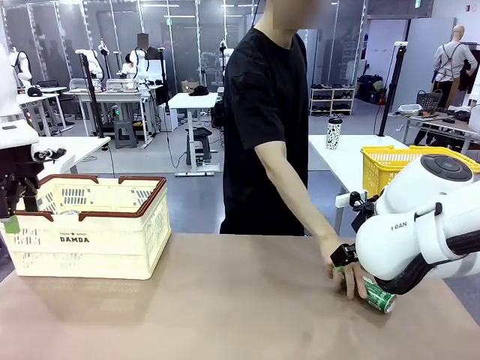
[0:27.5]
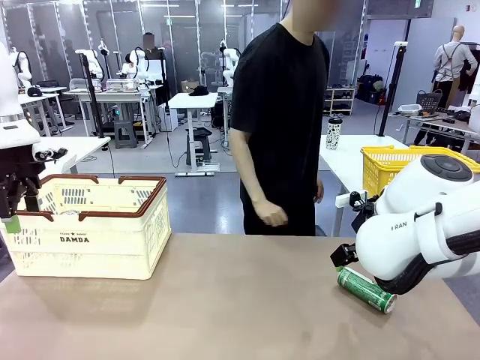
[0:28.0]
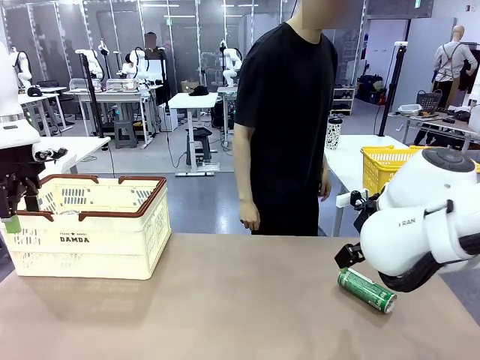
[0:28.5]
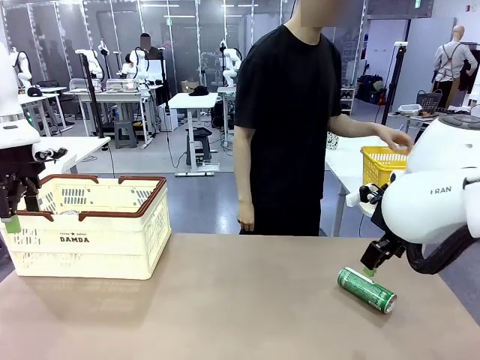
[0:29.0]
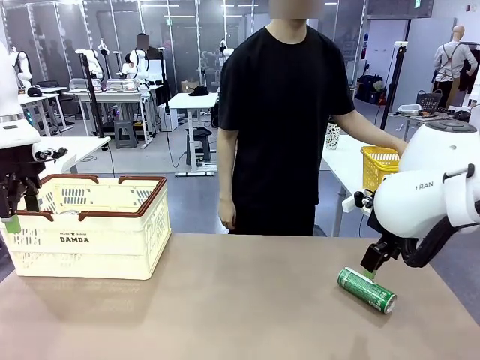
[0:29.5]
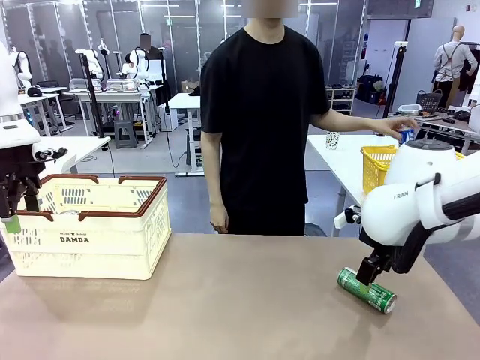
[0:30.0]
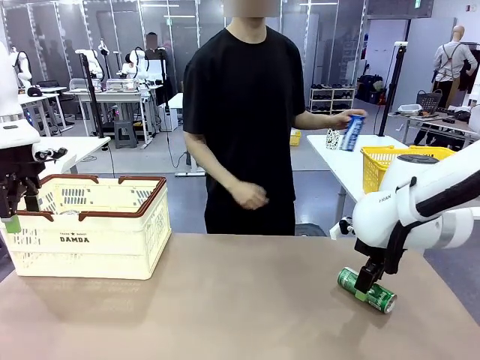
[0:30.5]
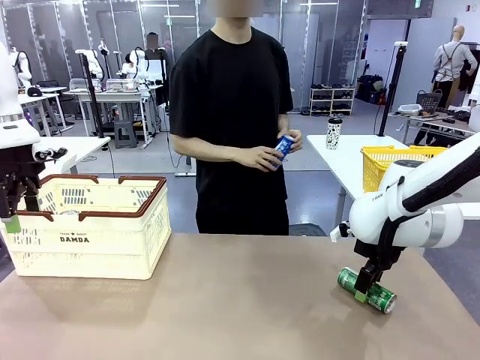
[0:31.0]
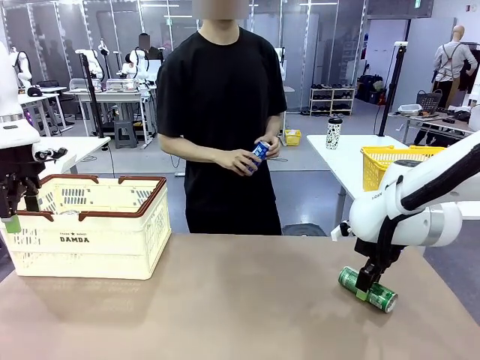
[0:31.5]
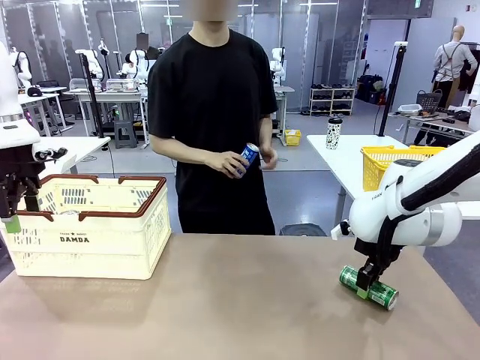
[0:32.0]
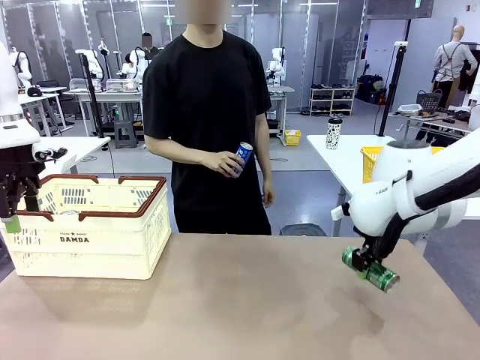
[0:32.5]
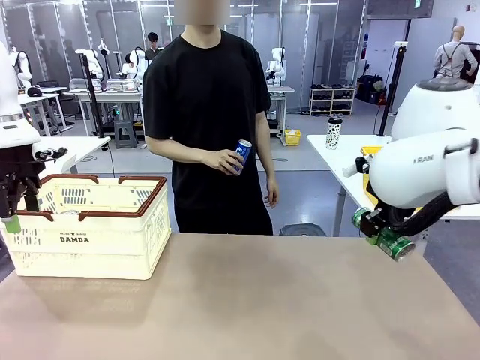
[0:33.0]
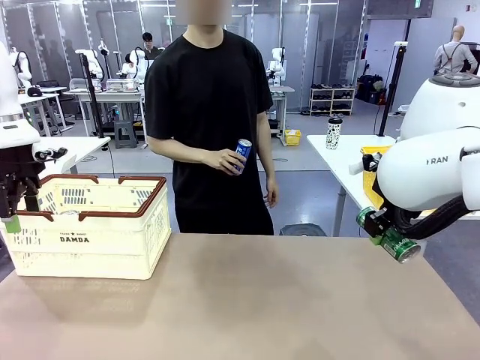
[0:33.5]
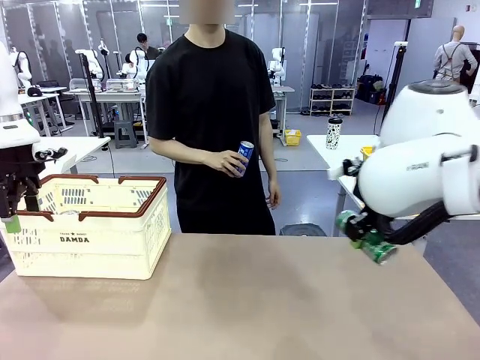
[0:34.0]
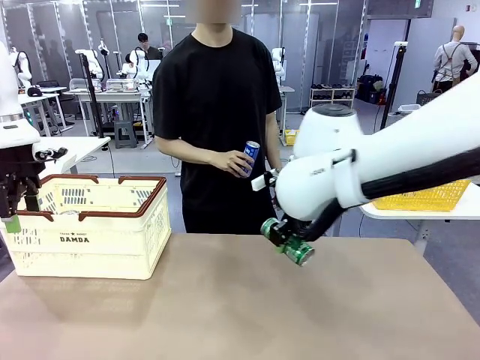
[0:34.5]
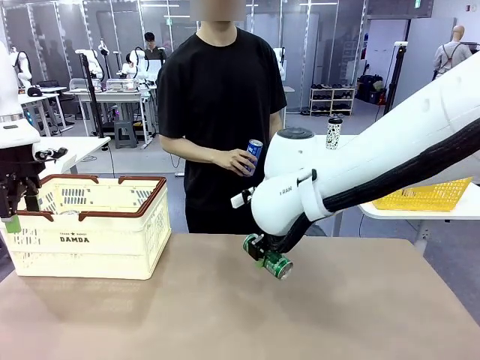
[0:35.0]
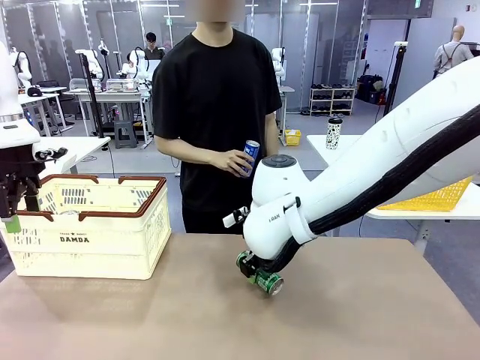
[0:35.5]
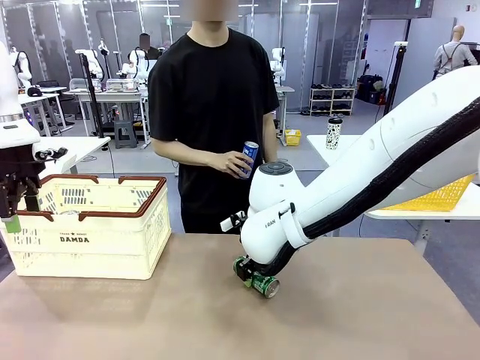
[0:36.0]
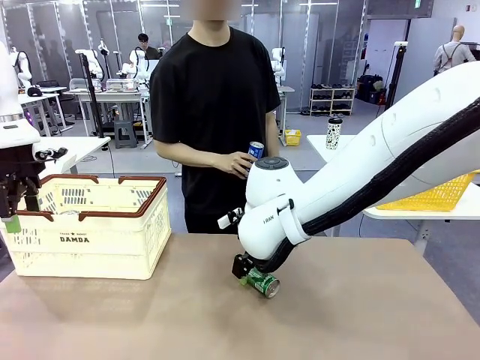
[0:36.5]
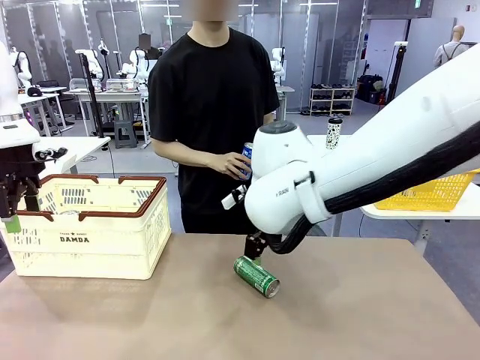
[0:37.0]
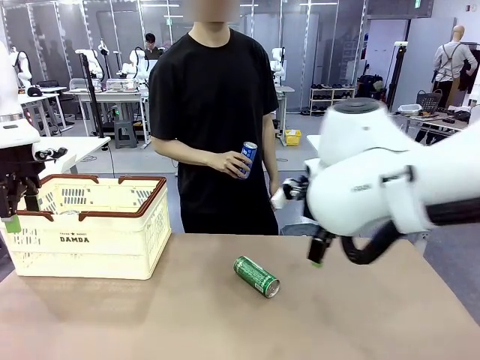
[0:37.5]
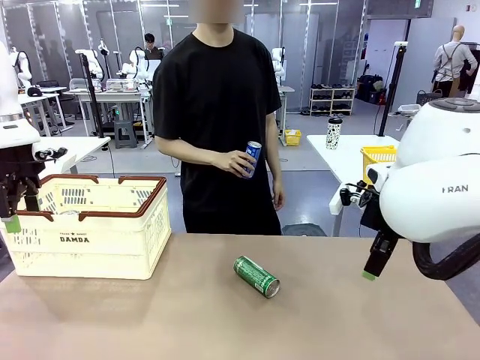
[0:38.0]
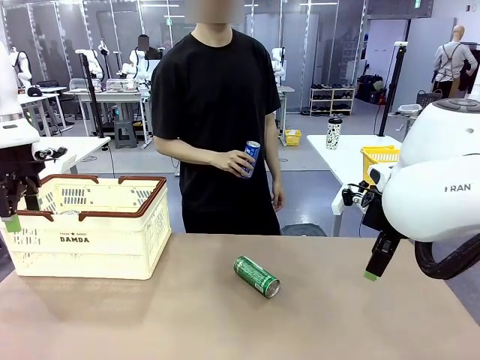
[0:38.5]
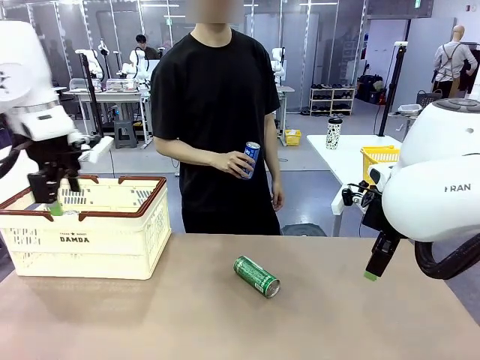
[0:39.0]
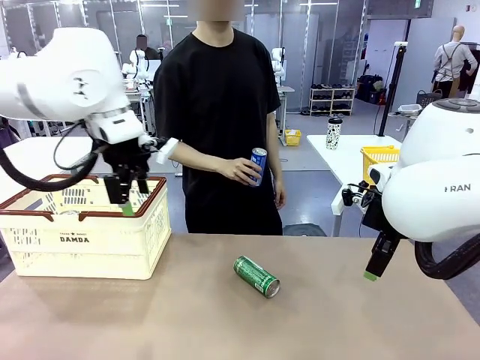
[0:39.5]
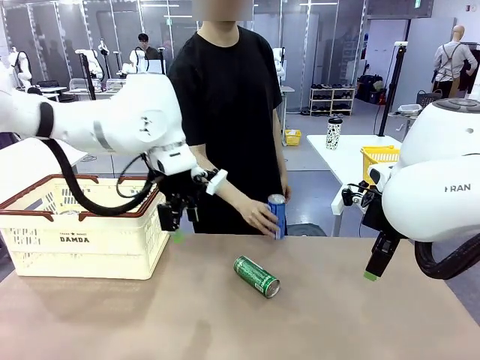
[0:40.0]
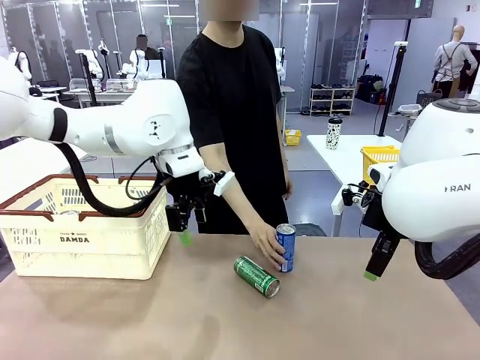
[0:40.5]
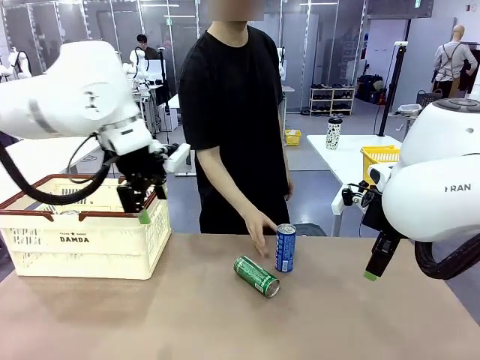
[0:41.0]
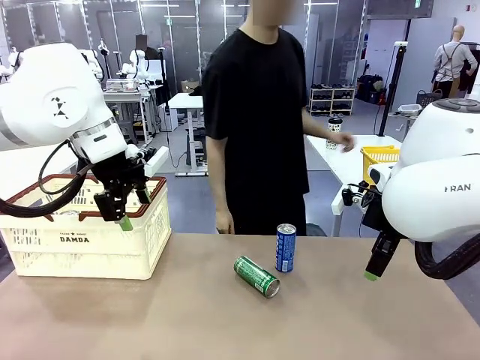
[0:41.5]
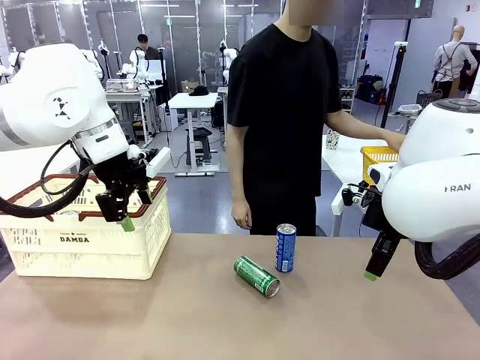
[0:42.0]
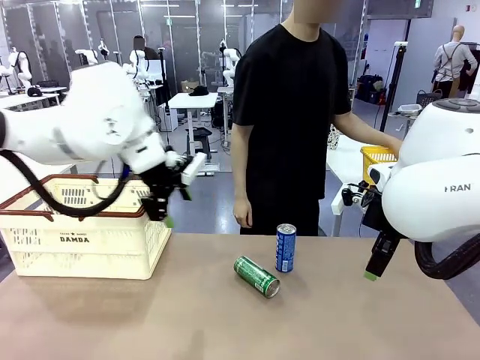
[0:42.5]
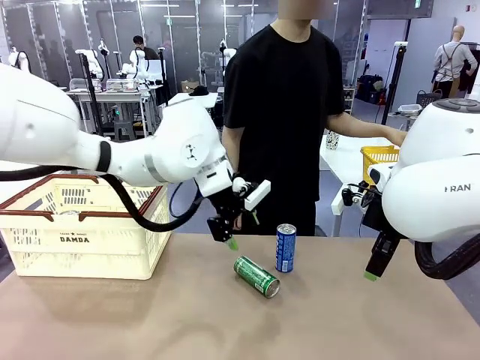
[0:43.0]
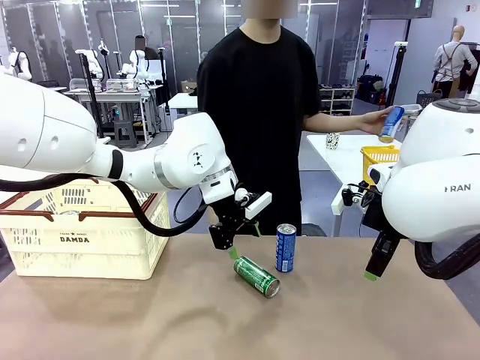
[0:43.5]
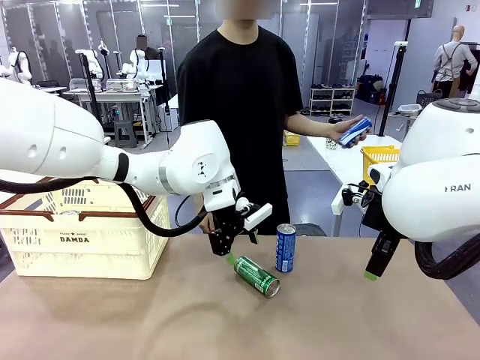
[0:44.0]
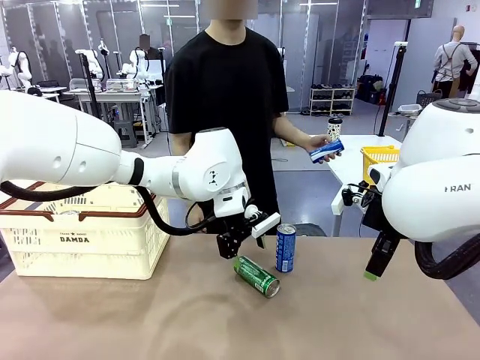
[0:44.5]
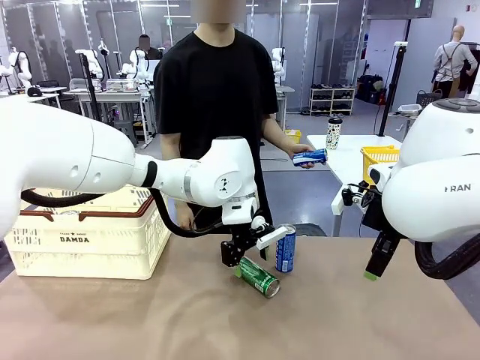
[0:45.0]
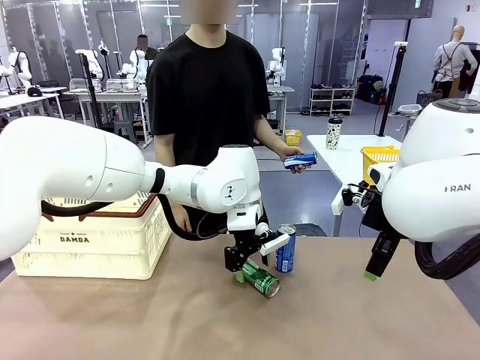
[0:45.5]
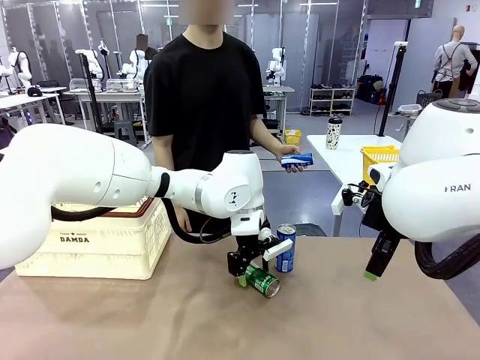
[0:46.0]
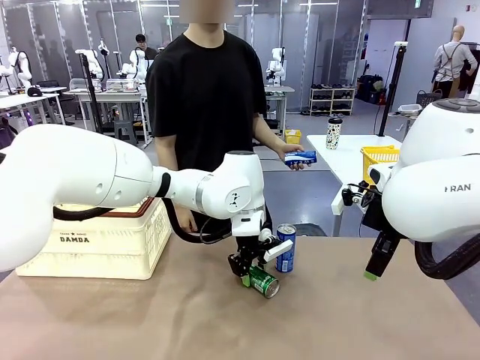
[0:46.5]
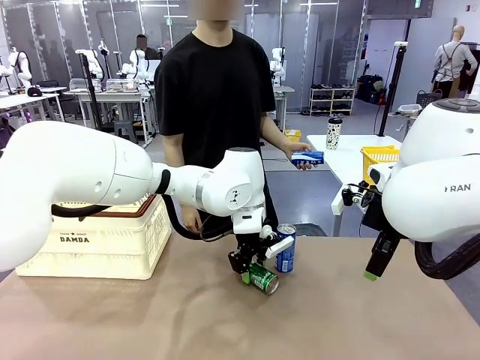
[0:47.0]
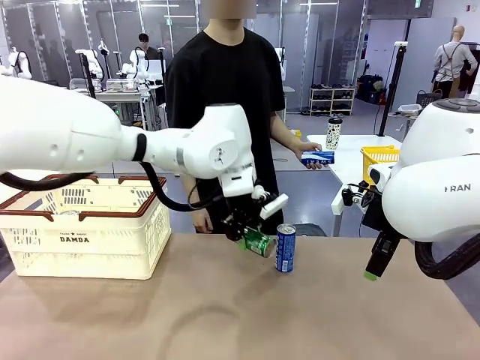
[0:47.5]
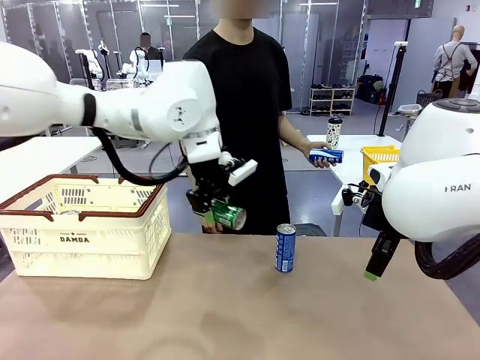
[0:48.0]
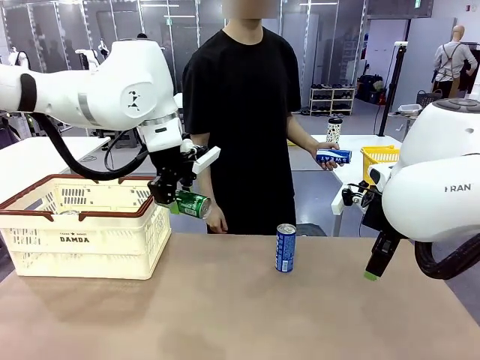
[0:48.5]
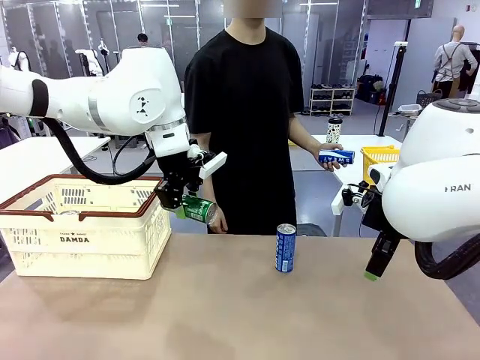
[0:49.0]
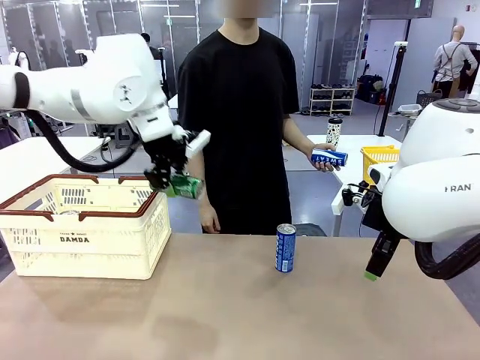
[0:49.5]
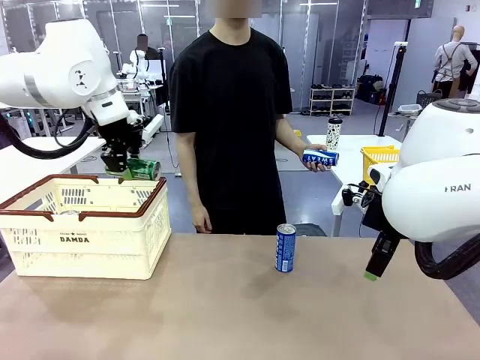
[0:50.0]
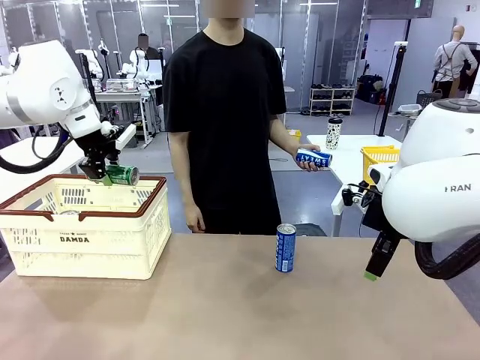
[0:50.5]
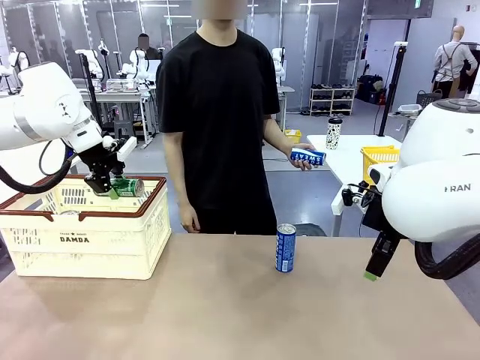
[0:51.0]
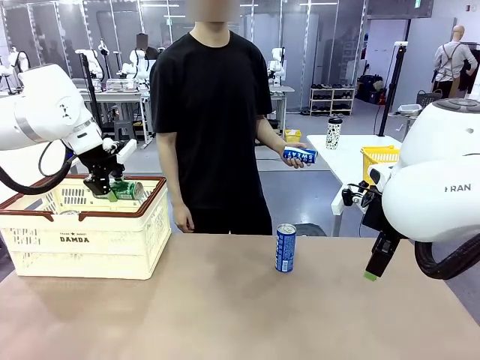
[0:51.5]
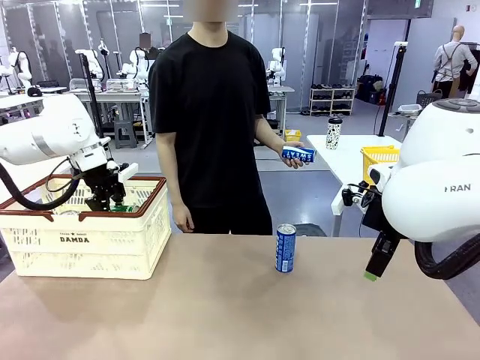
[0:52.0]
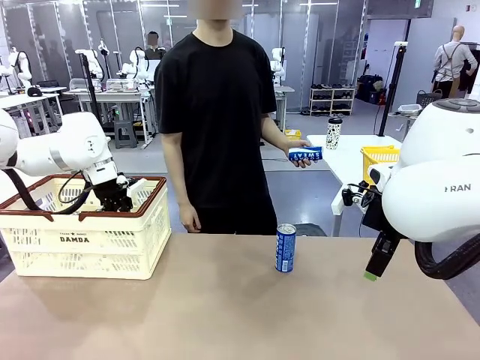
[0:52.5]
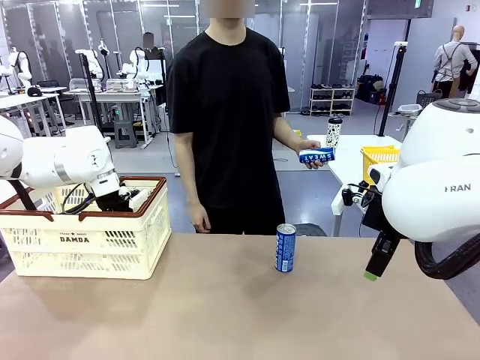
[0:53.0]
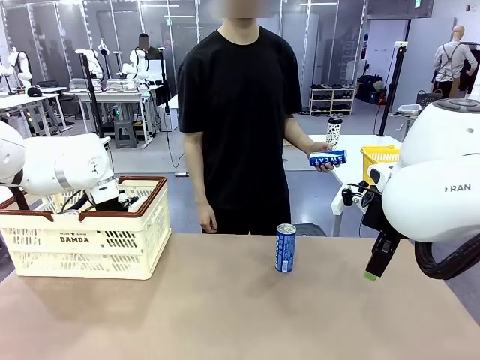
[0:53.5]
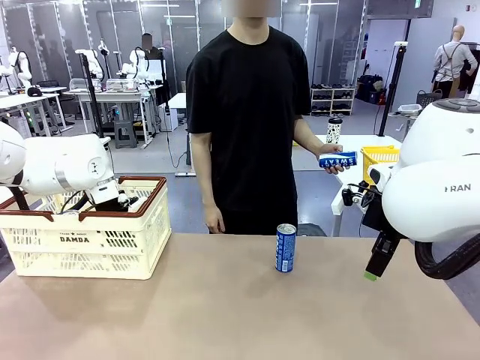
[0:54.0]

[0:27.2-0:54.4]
Task: Place the drinks into the Shopping basket.
Robot: Pick up one drink and place it into the Shopping basket.
